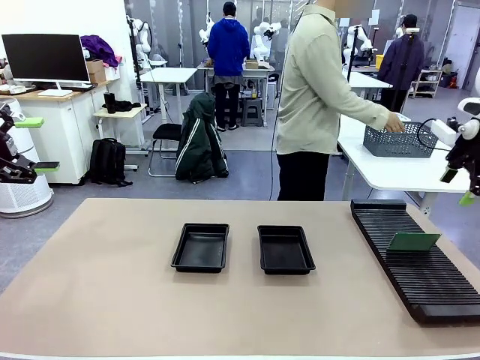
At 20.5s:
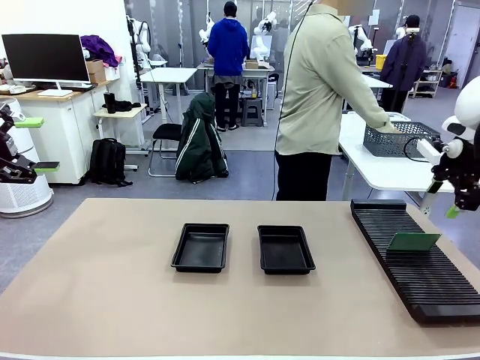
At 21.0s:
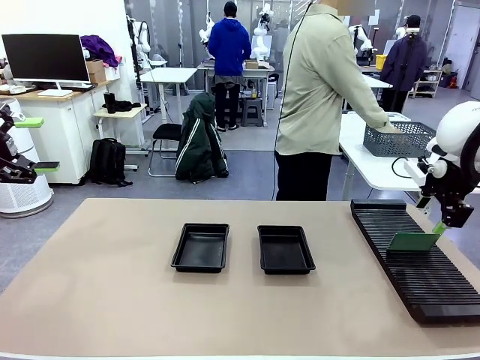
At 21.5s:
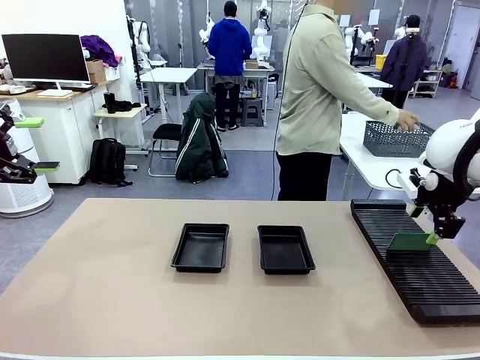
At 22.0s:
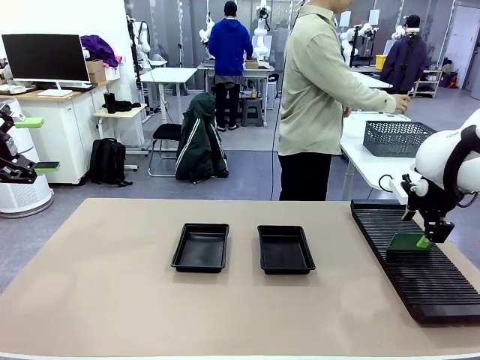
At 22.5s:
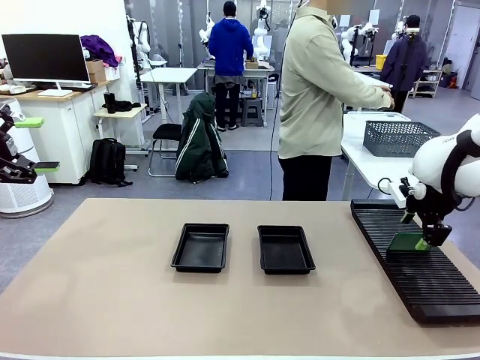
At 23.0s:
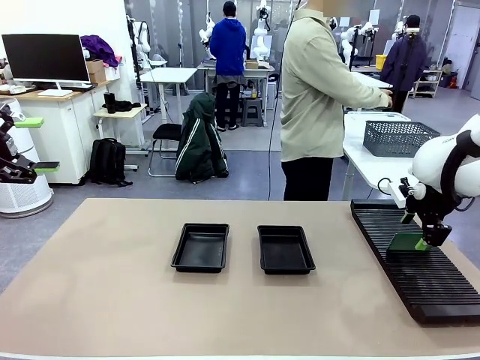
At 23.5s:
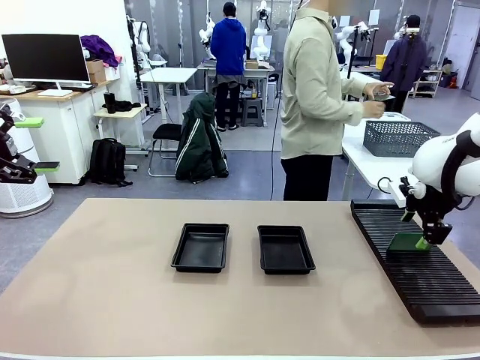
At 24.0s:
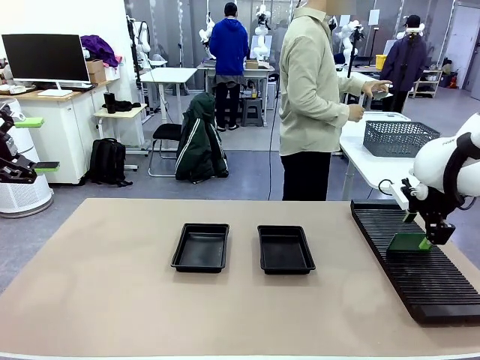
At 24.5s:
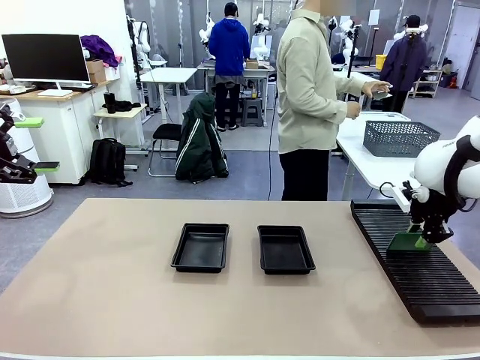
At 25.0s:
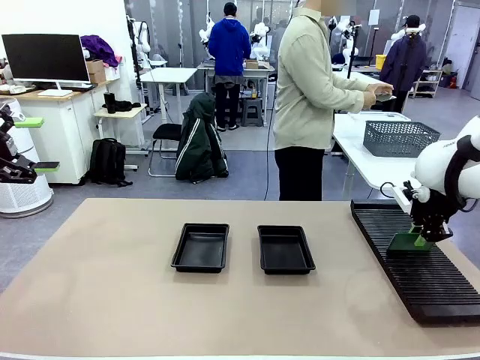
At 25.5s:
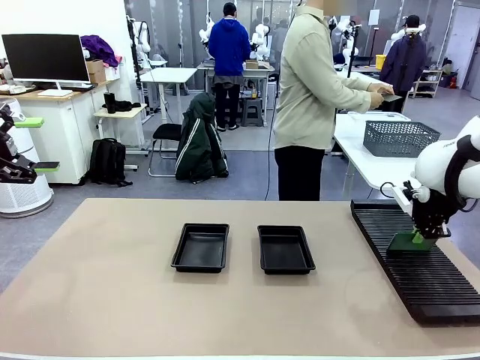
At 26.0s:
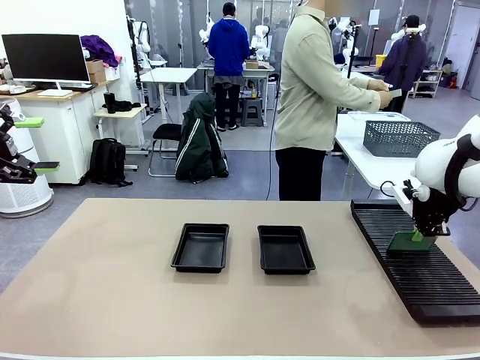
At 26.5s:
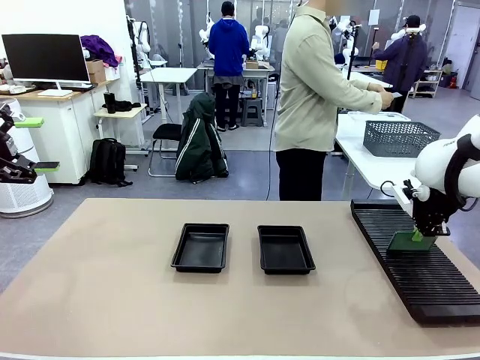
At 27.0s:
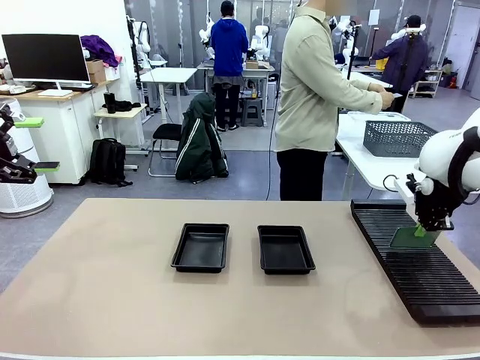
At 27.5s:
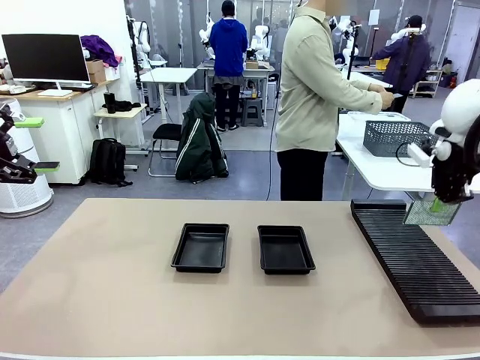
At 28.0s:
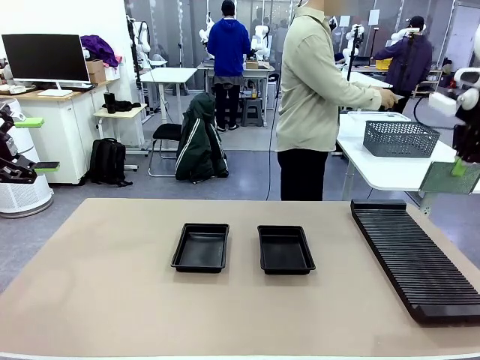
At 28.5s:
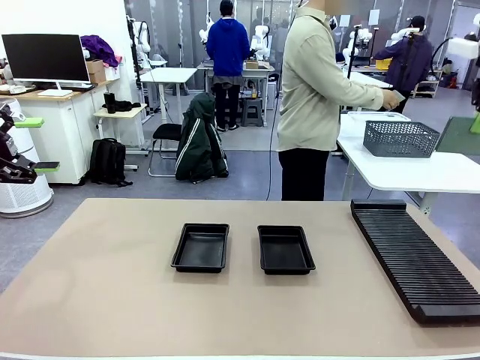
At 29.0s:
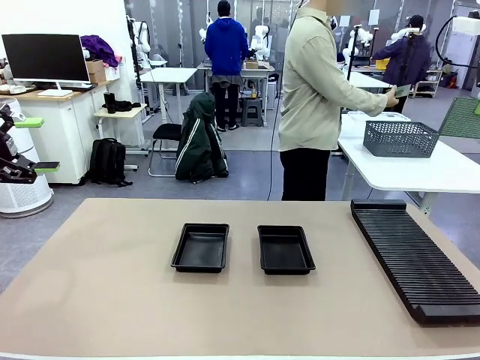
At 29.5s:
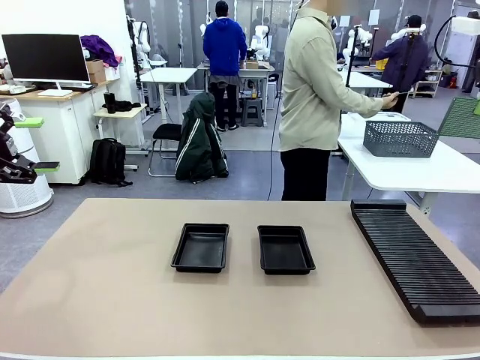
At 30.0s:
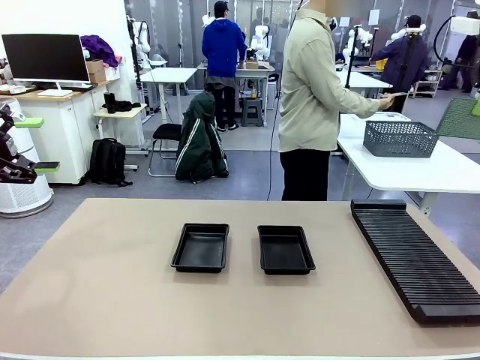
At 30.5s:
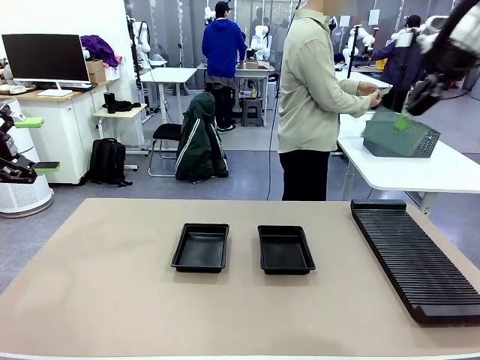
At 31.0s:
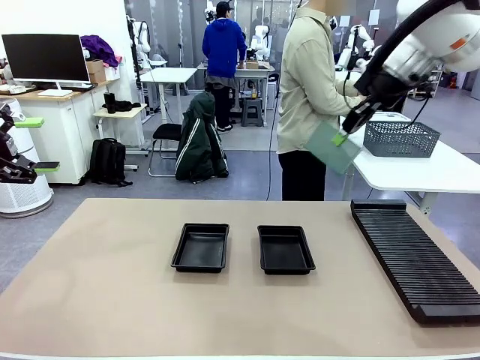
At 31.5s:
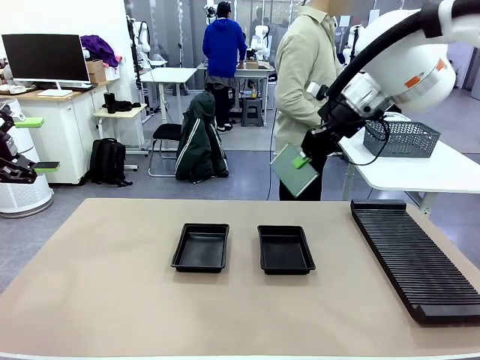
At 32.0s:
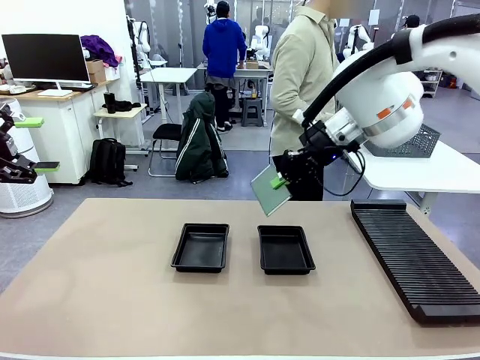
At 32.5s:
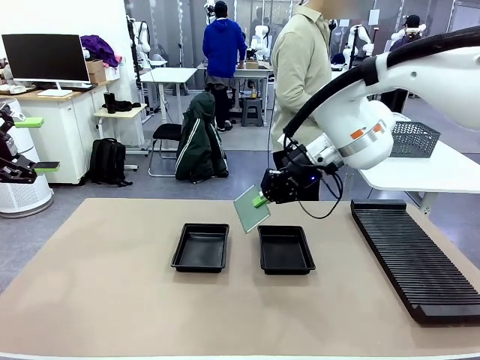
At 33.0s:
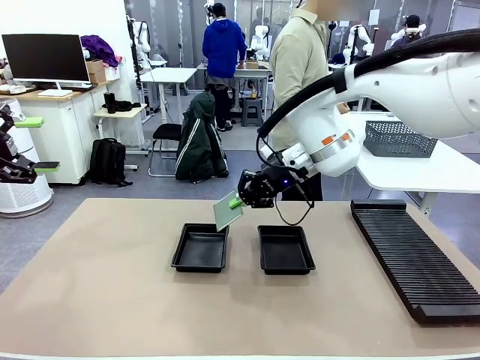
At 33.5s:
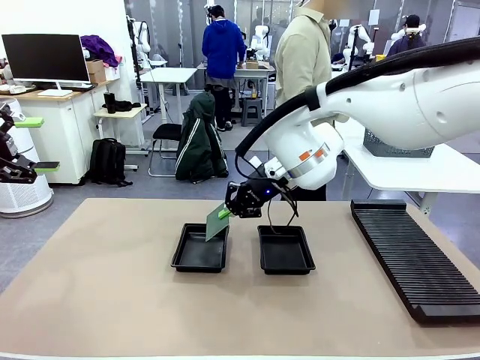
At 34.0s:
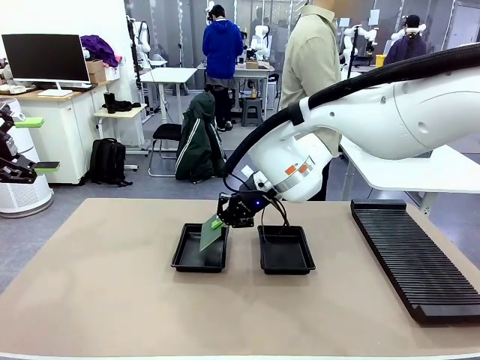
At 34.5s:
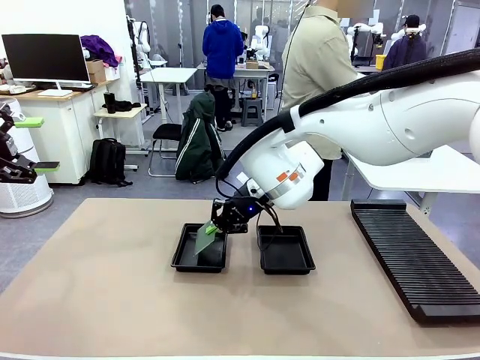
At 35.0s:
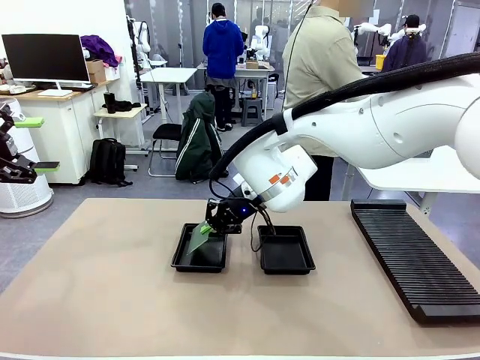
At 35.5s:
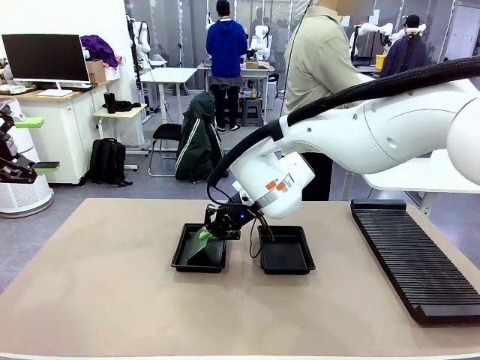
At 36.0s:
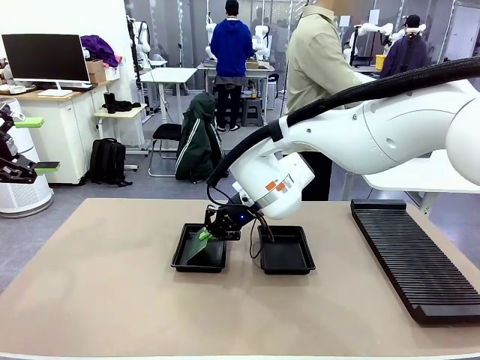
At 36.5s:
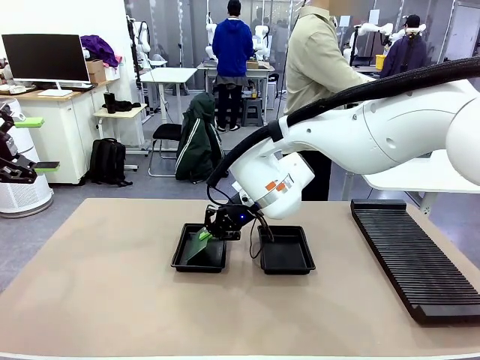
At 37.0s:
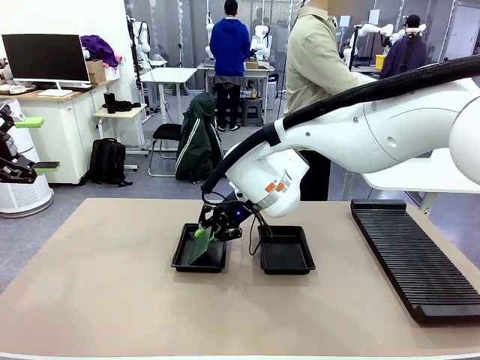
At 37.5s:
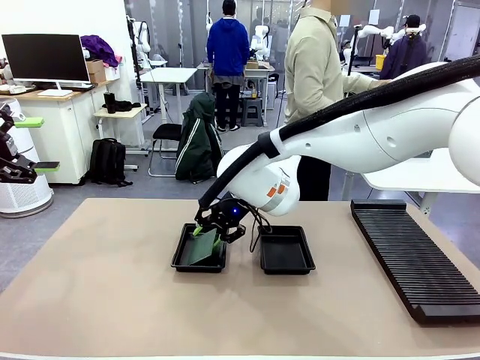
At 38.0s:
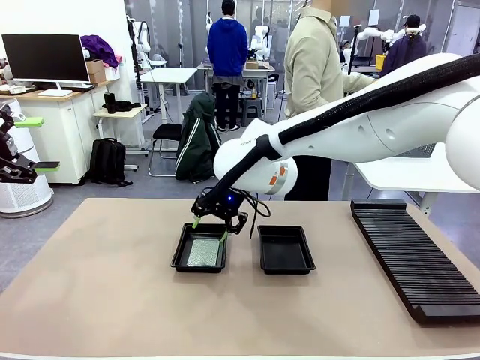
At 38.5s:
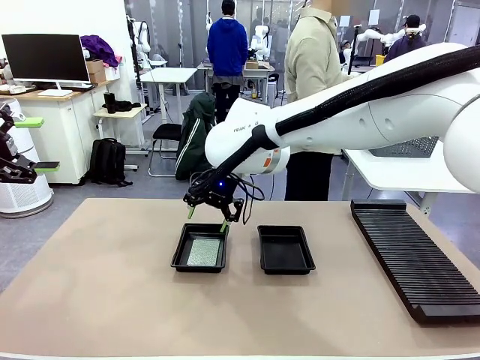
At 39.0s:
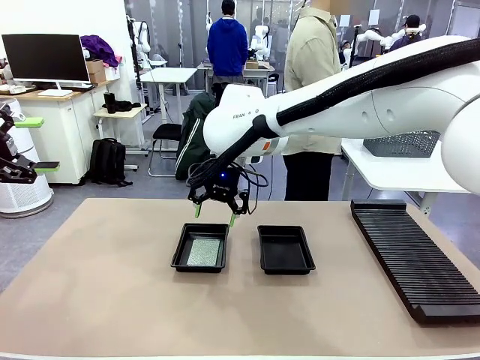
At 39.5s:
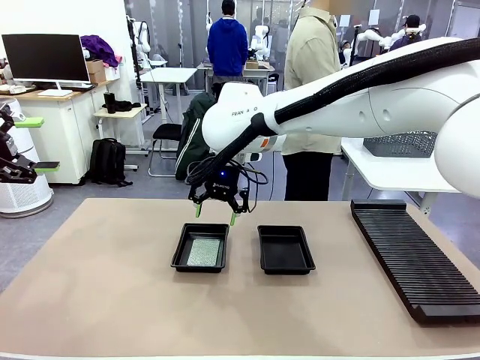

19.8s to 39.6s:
Task: Inspect and transfer BCBs to ESD trays.
Robot: Pick up the Blank PCB from the PCB Rack and place it in the left ESD tray.
